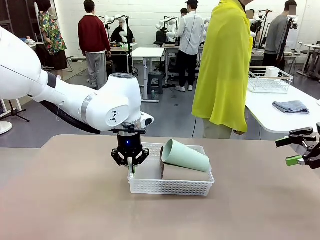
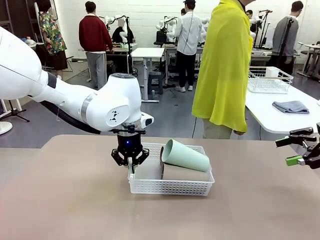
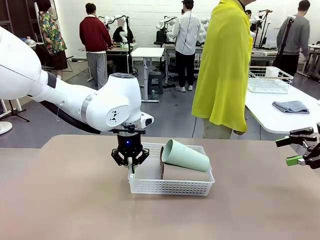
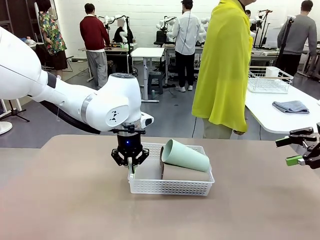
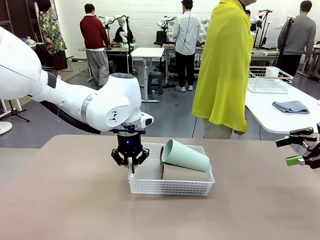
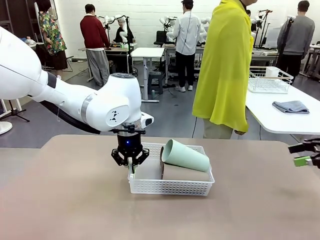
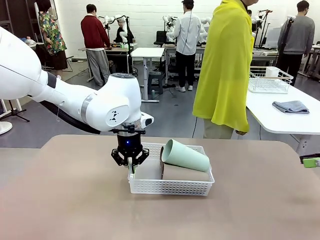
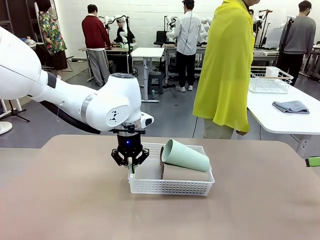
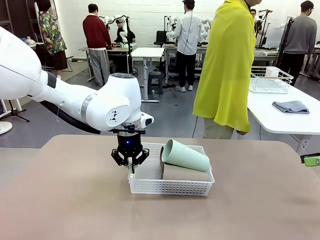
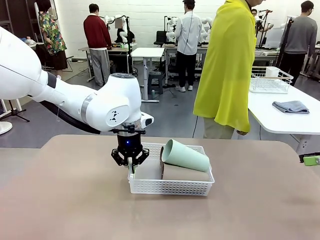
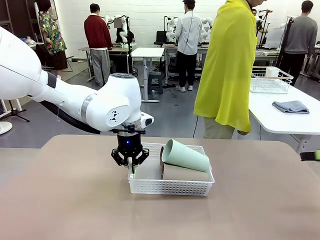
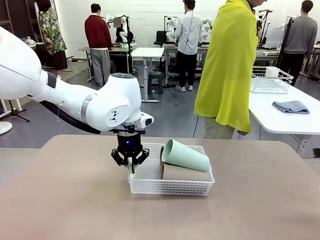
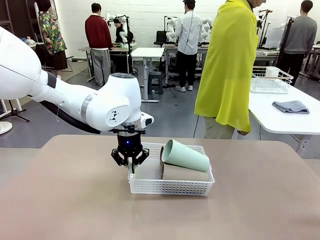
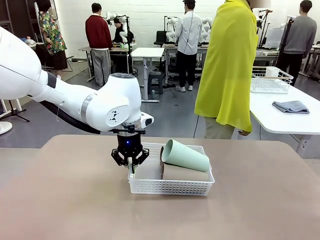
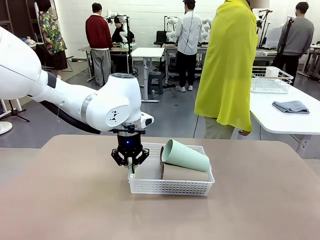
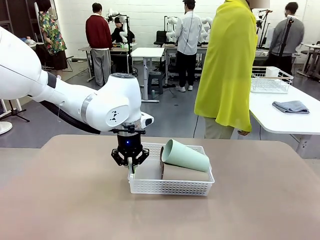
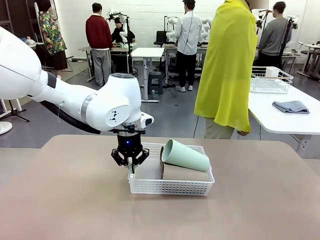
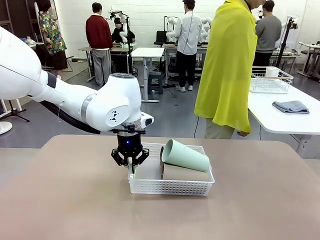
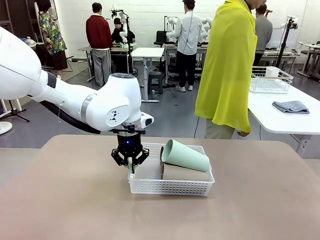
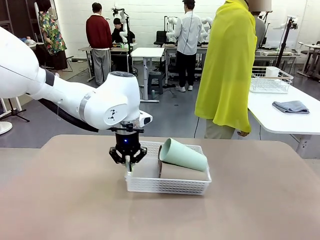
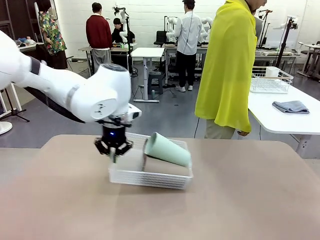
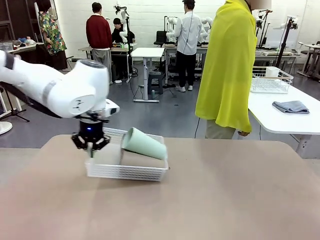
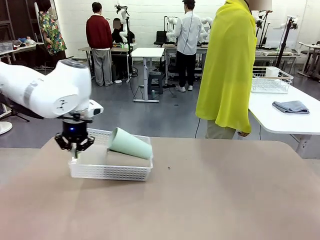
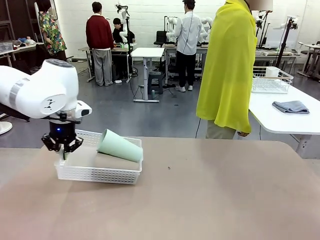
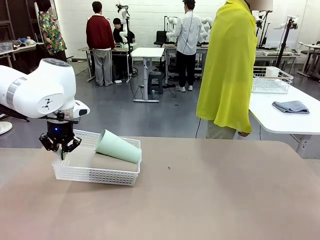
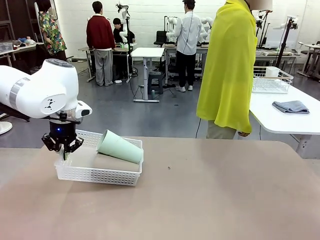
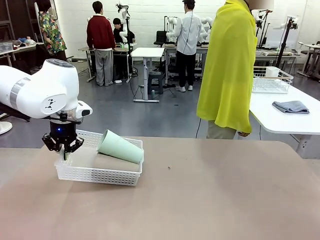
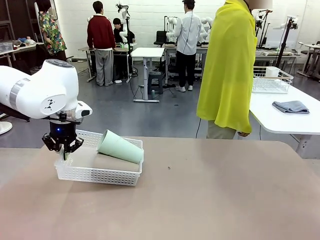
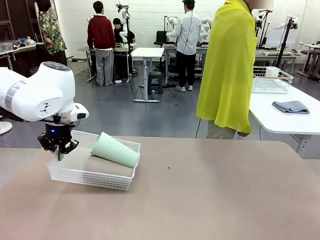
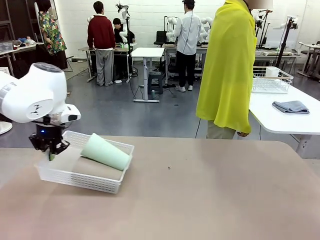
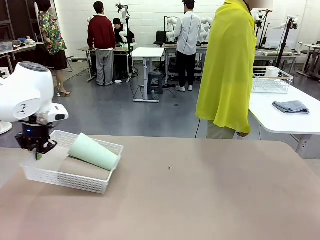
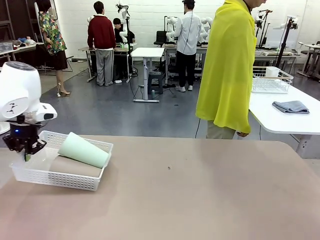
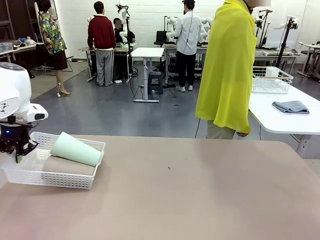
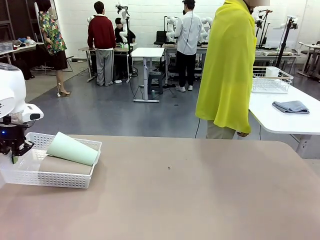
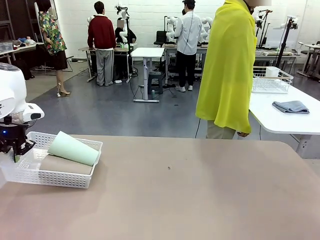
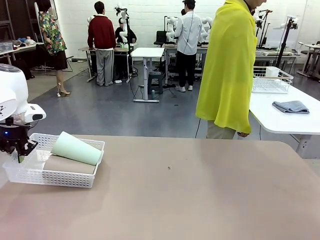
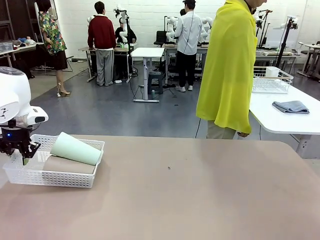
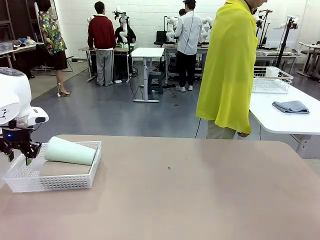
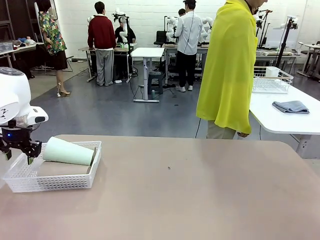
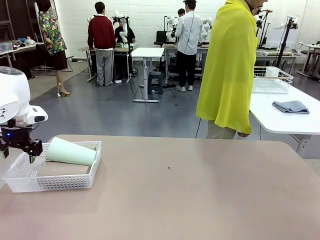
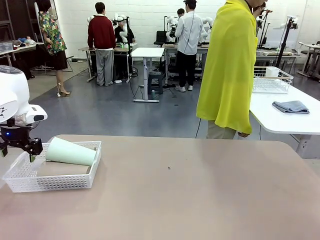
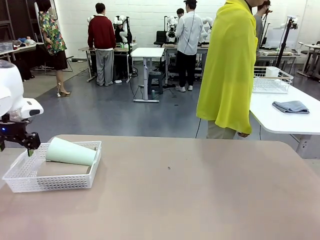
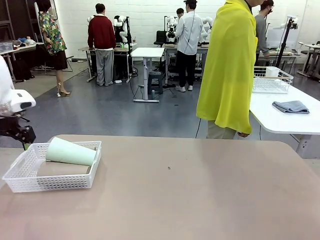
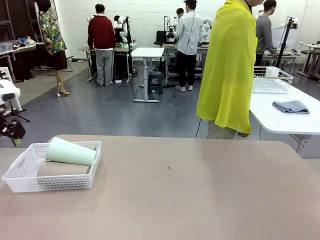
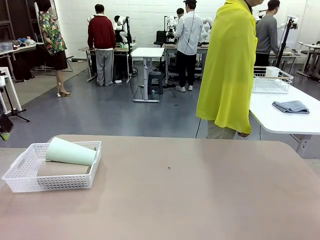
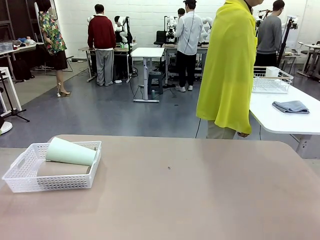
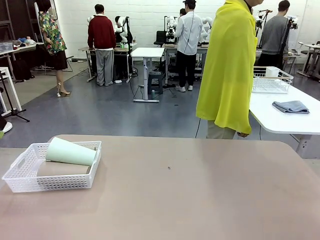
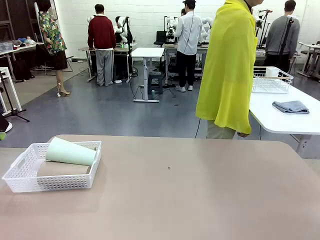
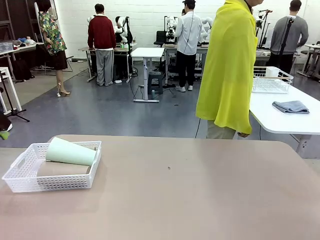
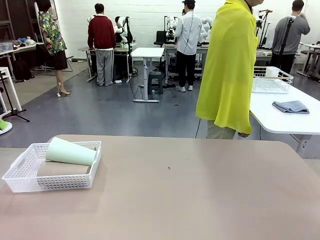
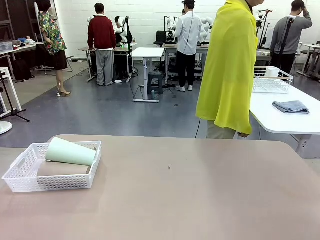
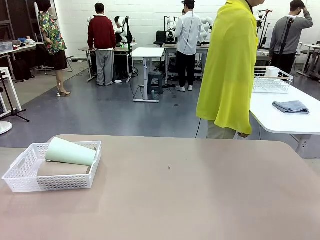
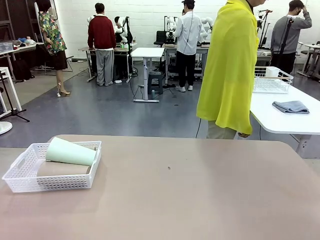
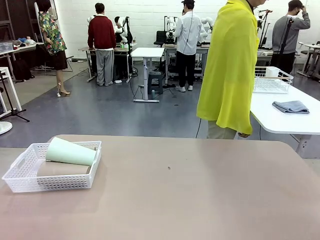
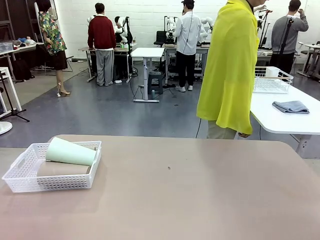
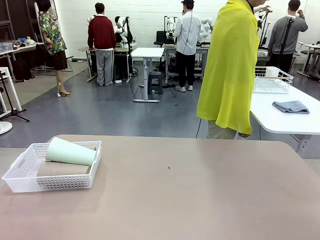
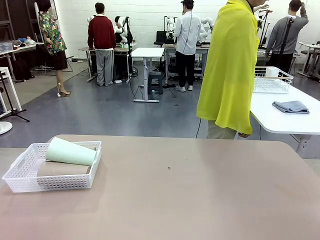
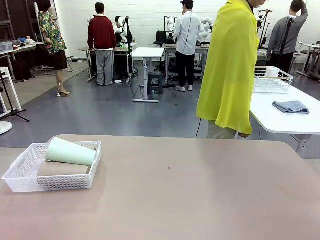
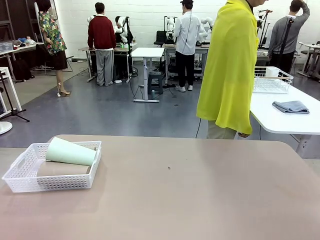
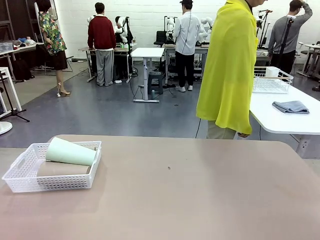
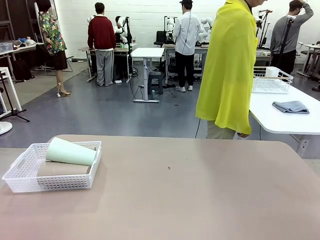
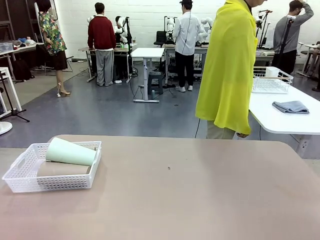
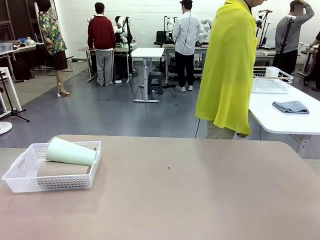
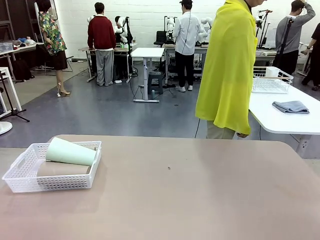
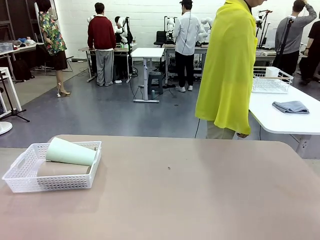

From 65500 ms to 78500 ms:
Task: Clean and organize the cups into the basket.
Robot: Move the Organizing basket back to the left side of the table.

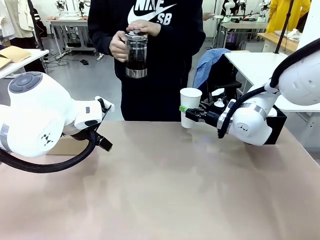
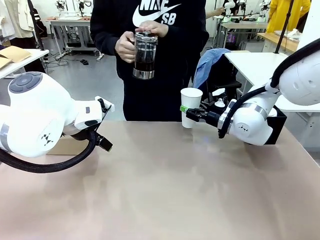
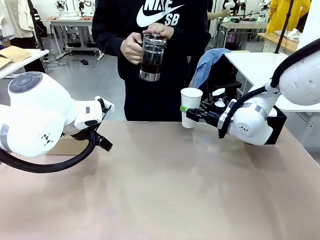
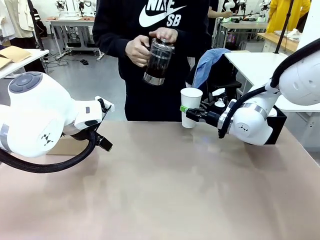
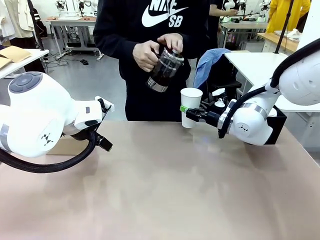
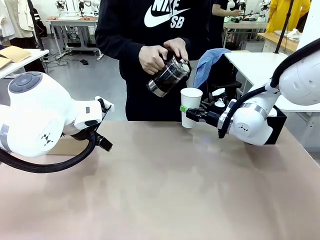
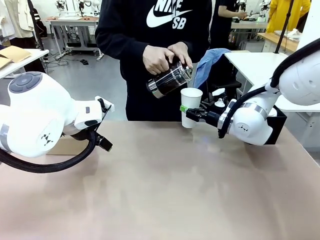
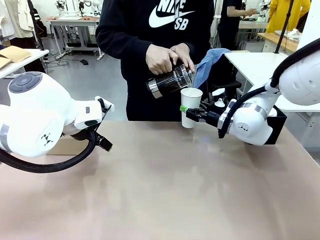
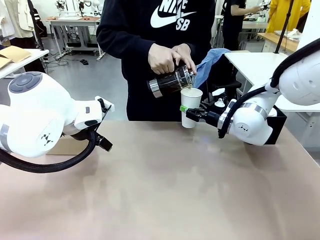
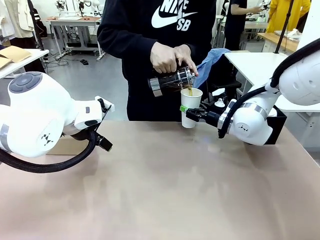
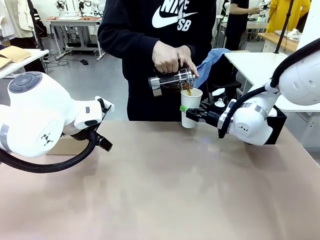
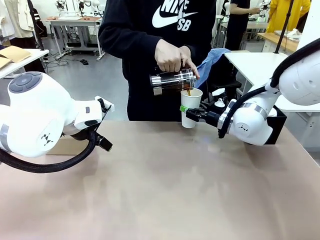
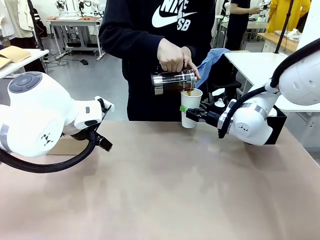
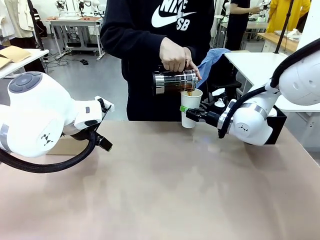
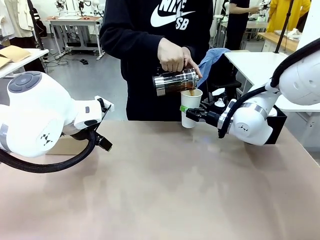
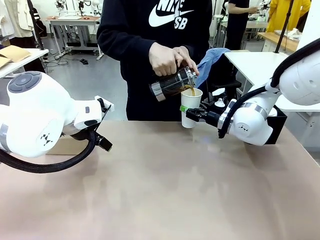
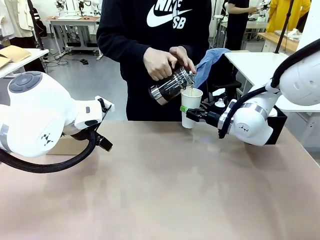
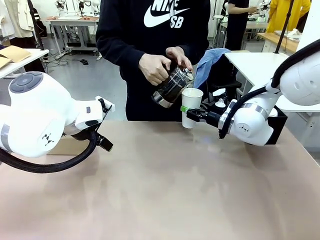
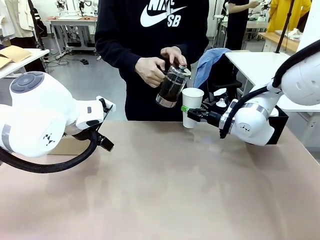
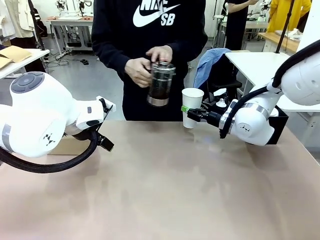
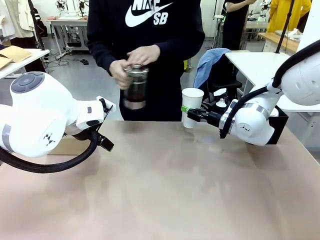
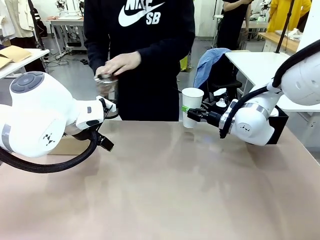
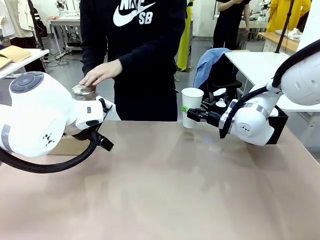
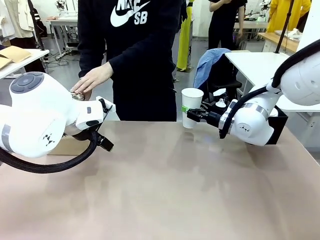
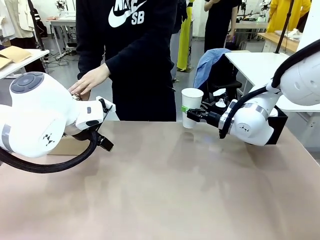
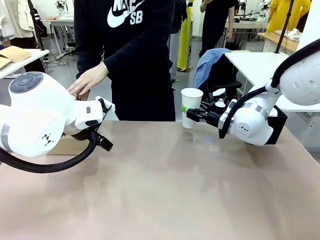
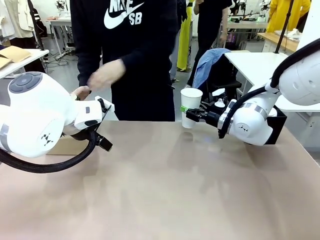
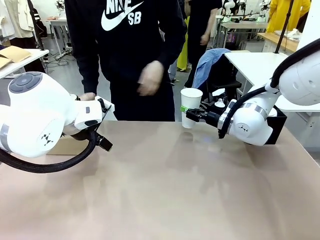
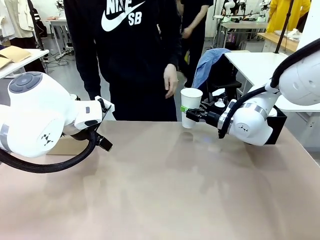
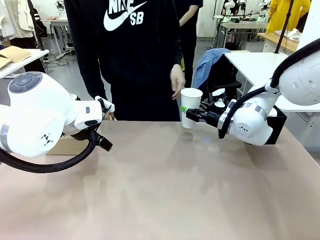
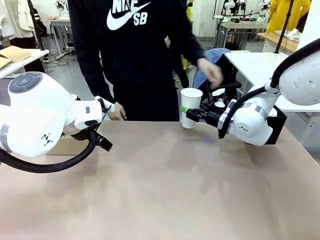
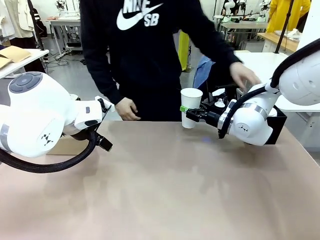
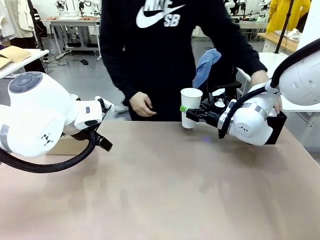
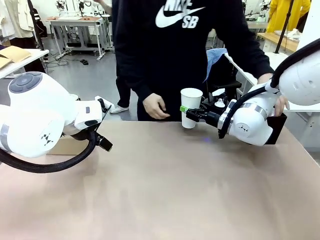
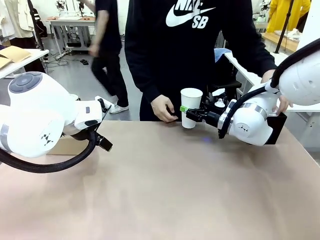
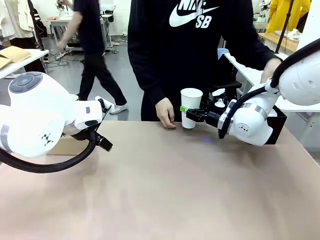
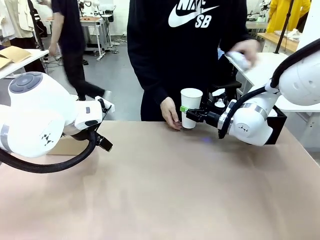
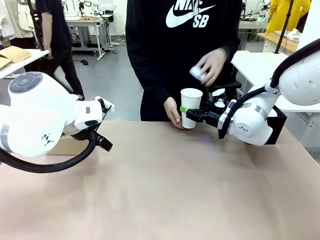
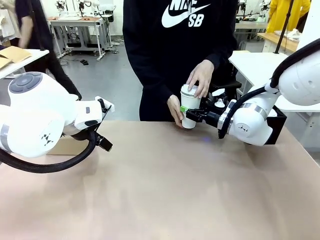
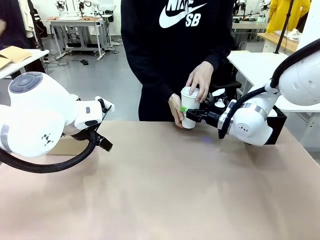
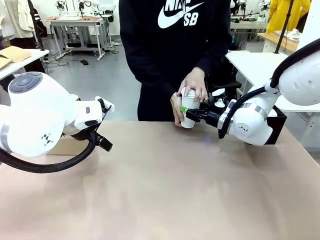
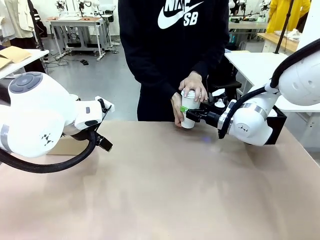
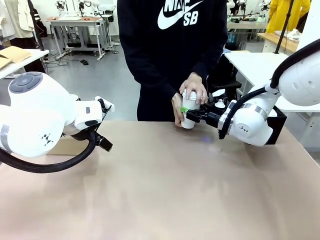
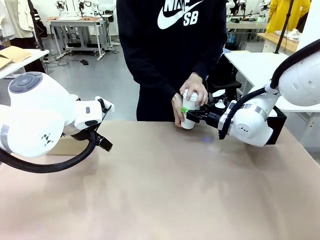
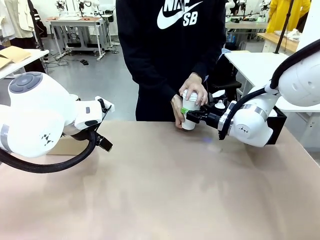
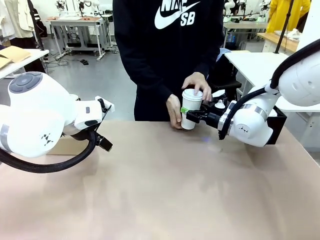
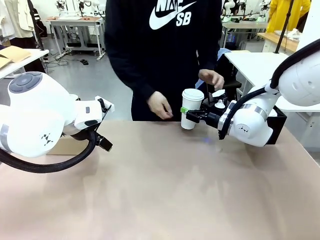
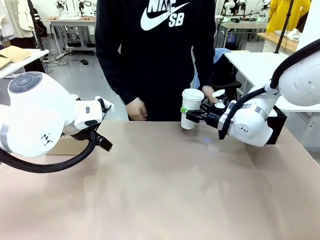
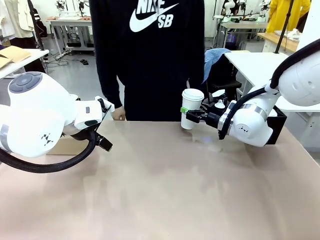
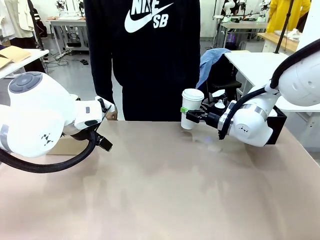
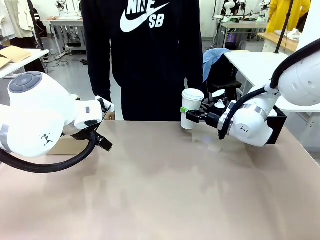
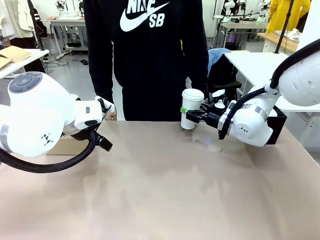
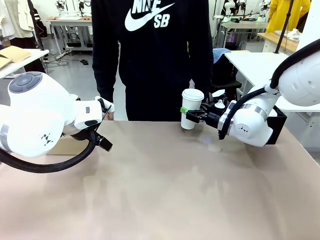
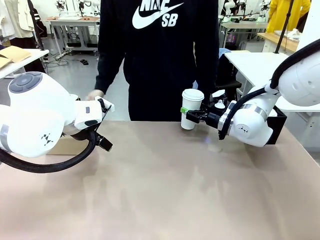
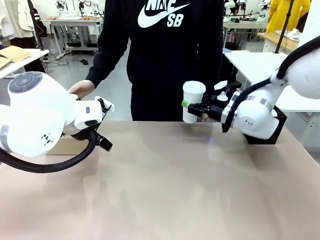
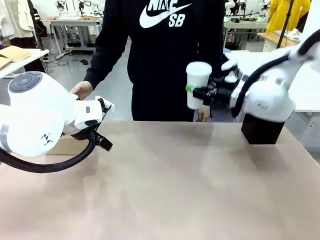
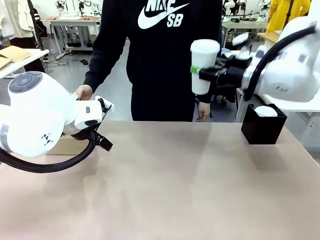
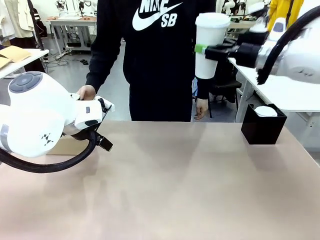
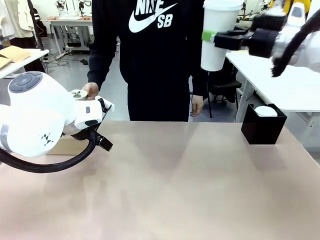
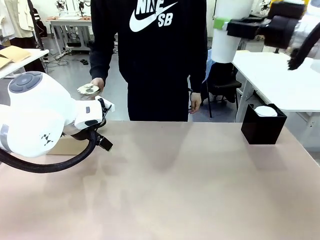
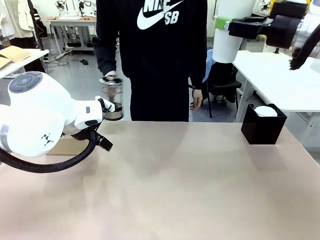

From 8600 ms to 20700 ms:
Task: Pour a drink into a cup and package it in a carrier.
Robot: When a person places the Paper Cup Lid on the 600 ml Paper Cup , lift the 600 ml Paper Cup.
Person: Pour the drink from the Filter Brewing into the 600 ml Paper Cup. Place a Paper Cup Lid on the 600 ml Paper Cup.
